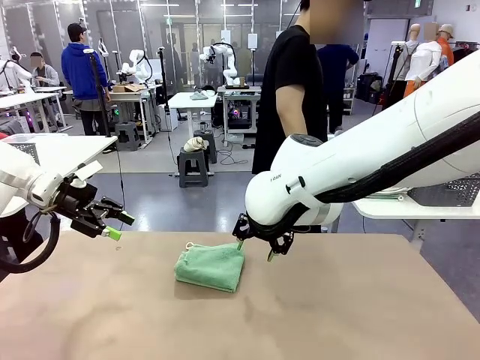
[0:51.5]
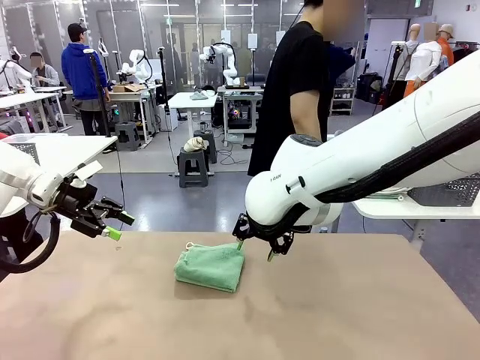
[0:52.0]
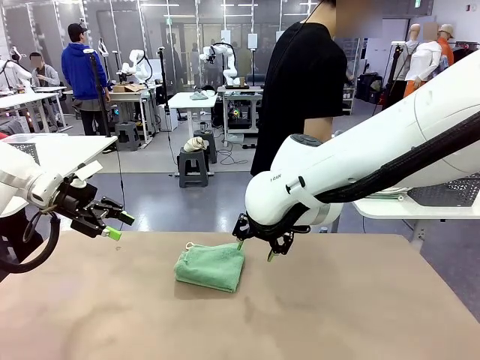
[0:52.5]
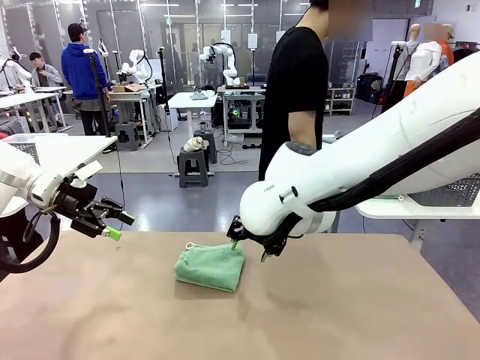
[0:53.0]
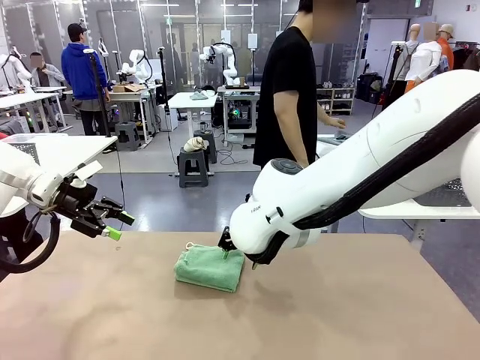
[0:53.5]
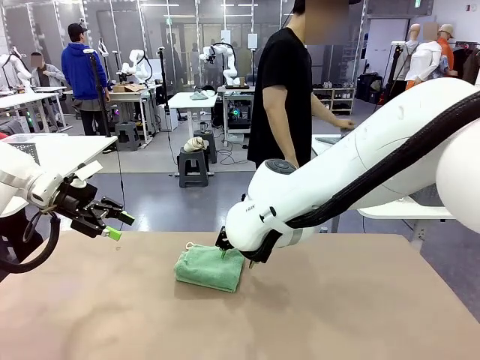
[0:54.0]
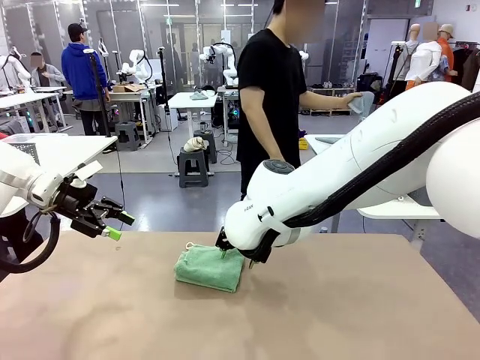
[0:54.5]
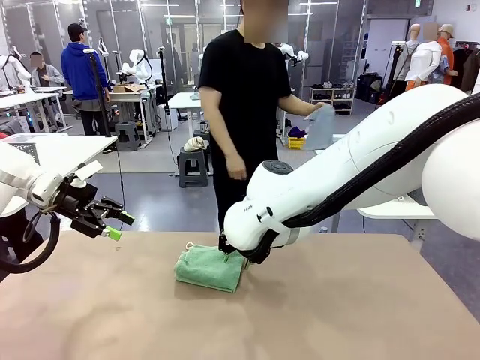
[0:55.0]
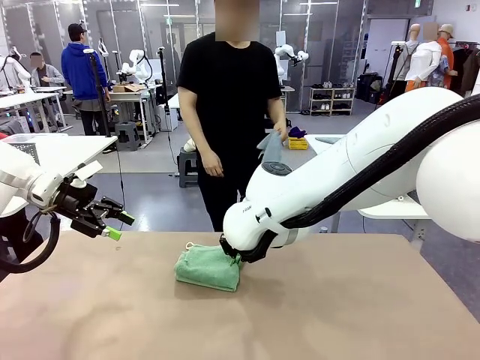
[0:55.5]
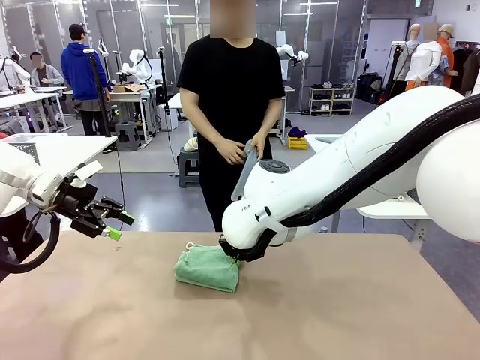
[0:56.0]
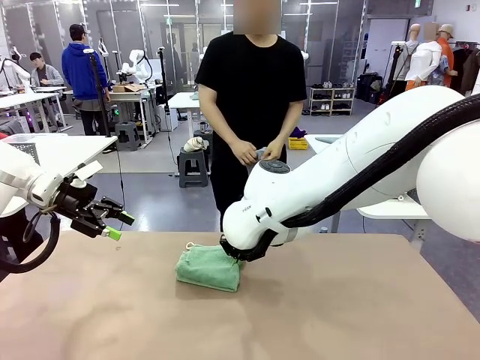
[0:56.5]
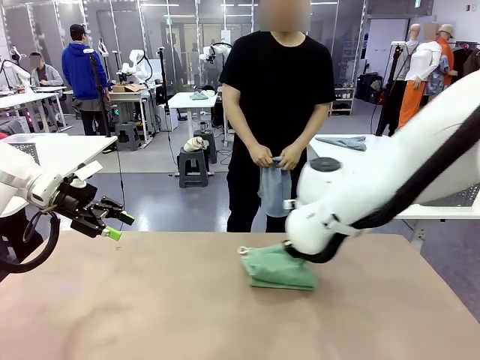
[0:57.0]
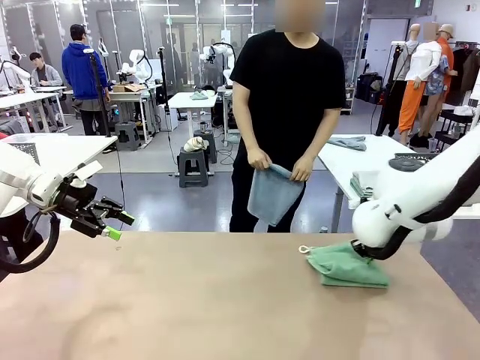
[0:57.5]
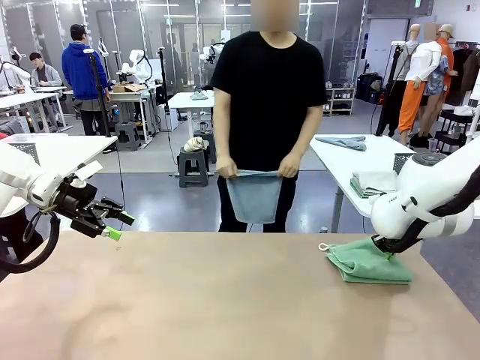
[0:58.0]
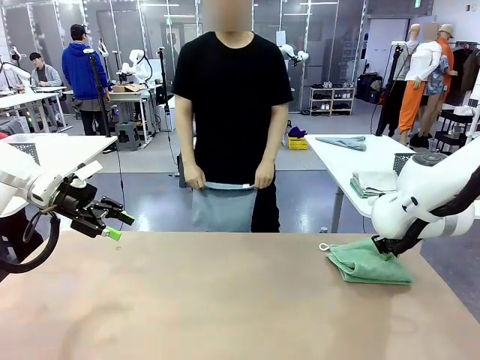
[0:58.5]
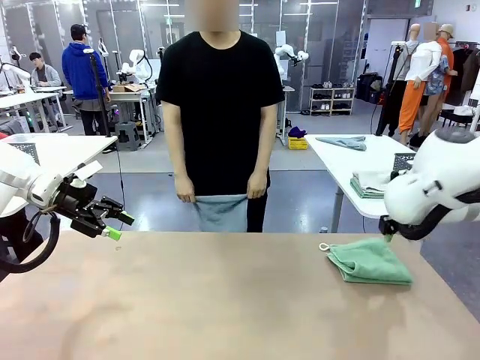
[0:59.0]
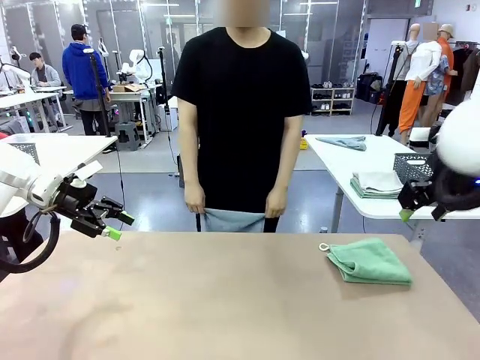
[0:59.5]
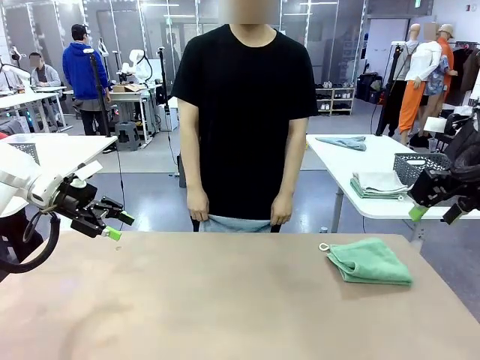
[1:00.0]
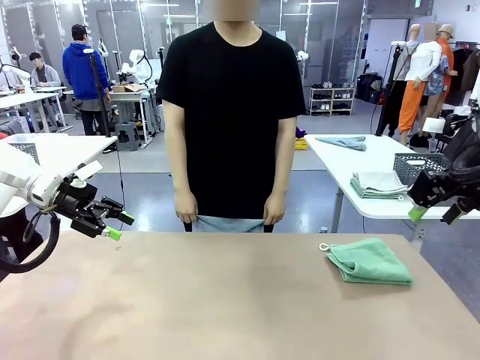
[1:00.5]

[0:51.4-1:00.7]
Task: Fold the towels and place them in the basket.
Robot: Place the folded Towel with hook on the right side of the table.
Person: Pick up one towel from the left side of the human table and spread it out at the center of the robot table.

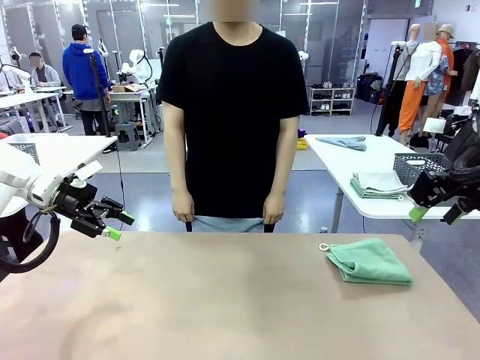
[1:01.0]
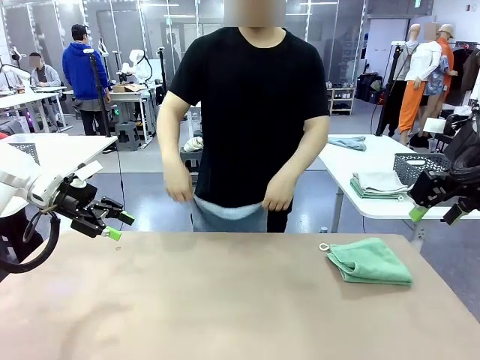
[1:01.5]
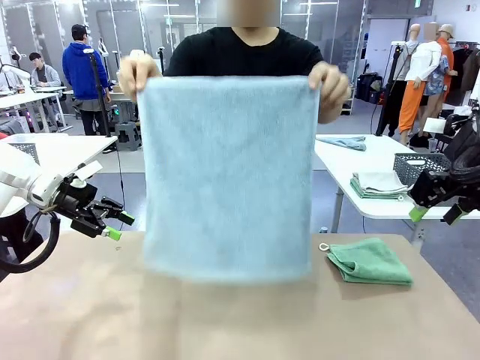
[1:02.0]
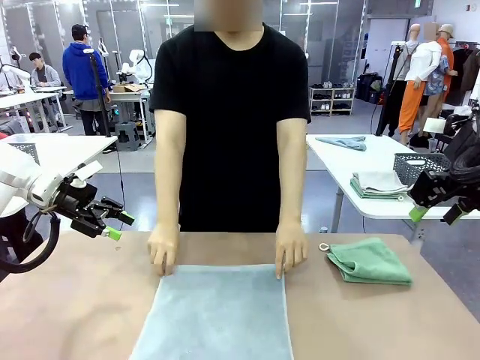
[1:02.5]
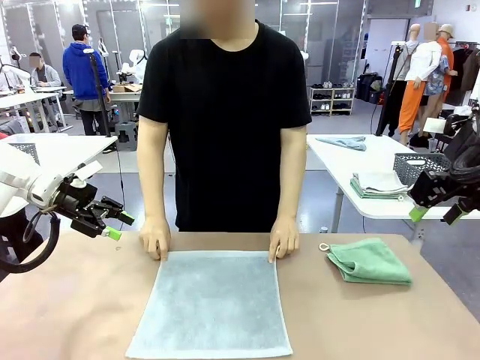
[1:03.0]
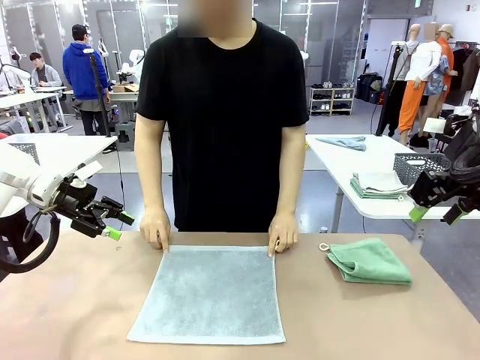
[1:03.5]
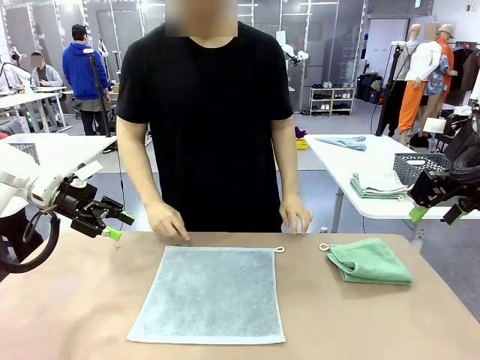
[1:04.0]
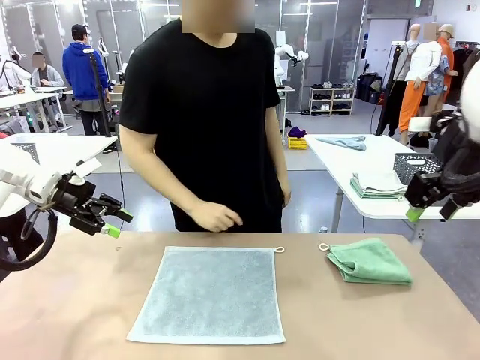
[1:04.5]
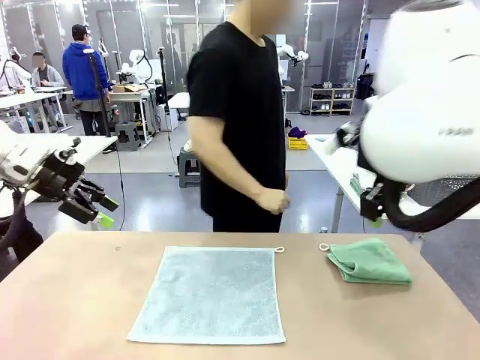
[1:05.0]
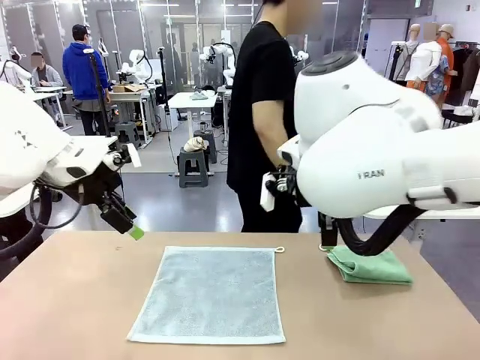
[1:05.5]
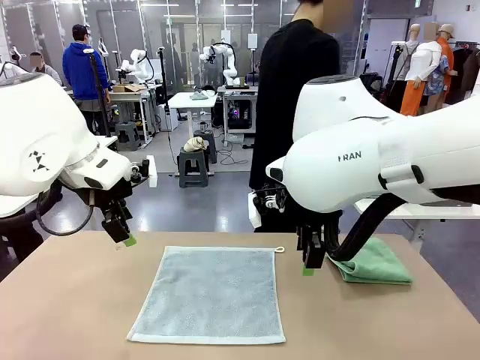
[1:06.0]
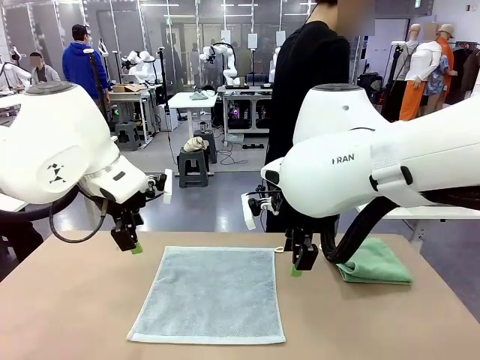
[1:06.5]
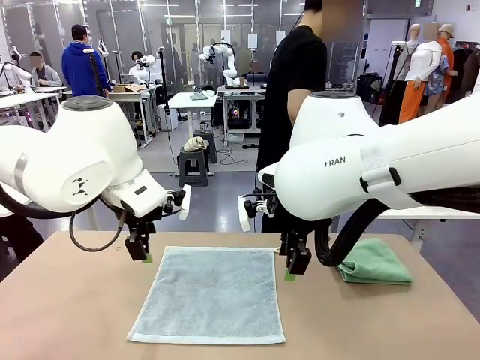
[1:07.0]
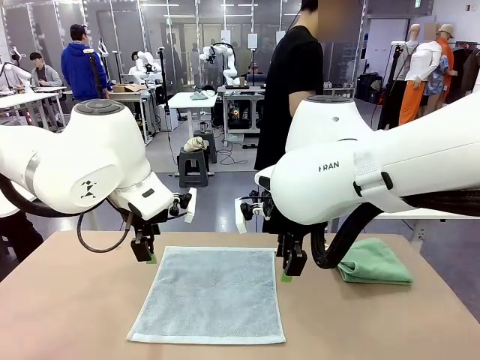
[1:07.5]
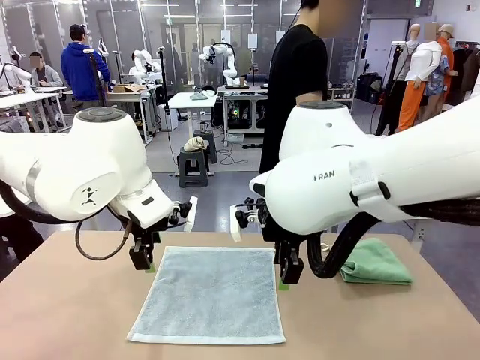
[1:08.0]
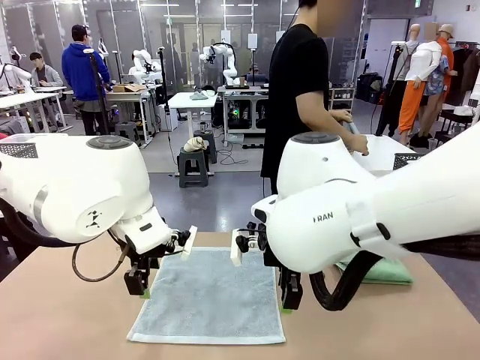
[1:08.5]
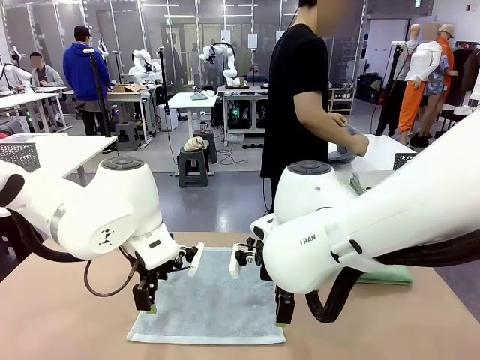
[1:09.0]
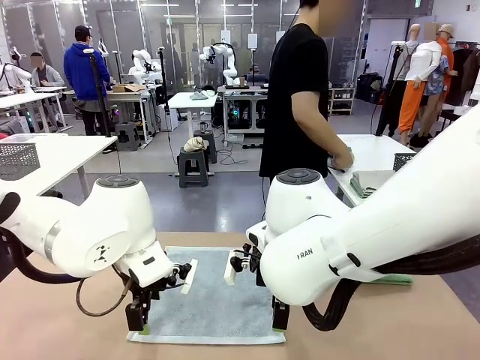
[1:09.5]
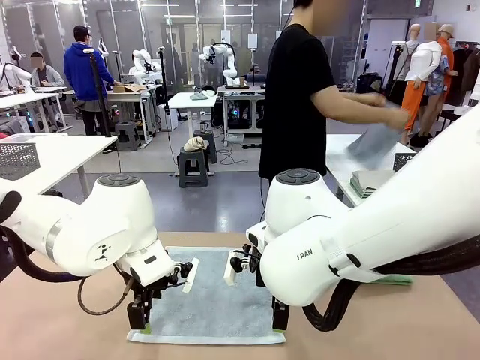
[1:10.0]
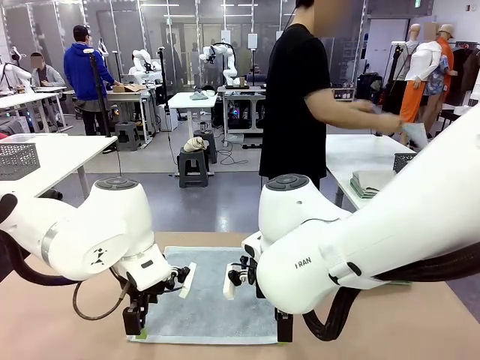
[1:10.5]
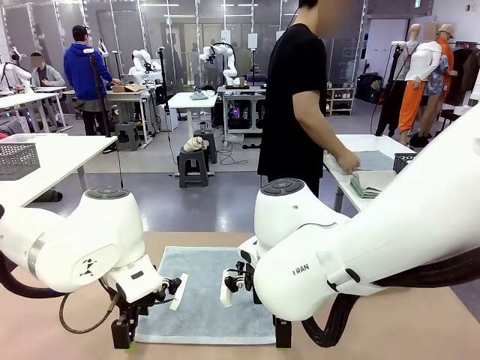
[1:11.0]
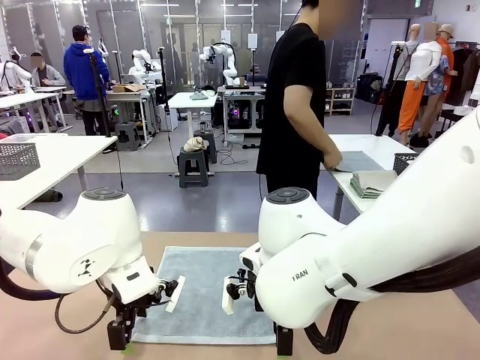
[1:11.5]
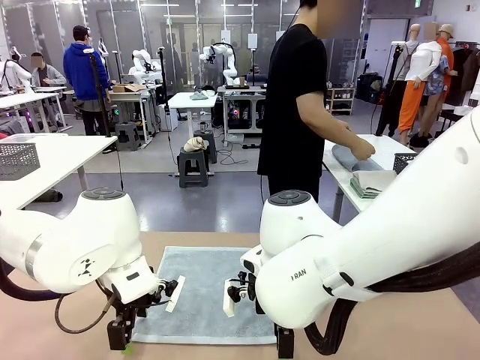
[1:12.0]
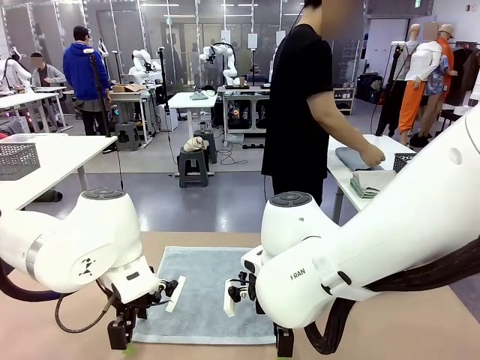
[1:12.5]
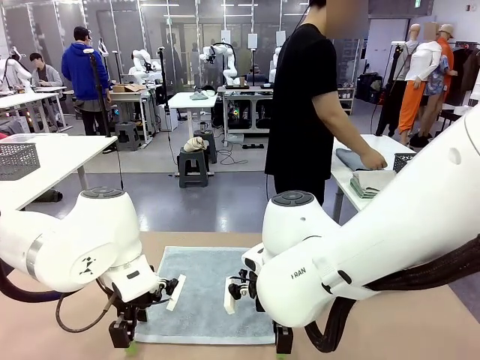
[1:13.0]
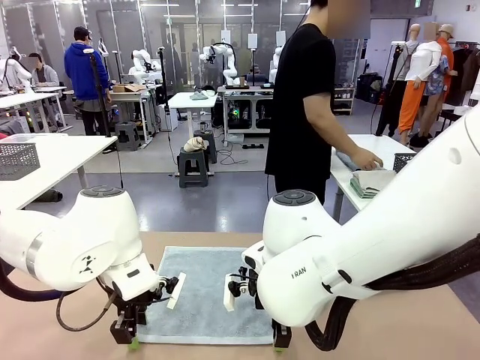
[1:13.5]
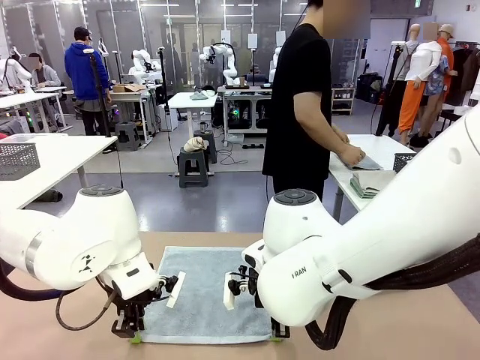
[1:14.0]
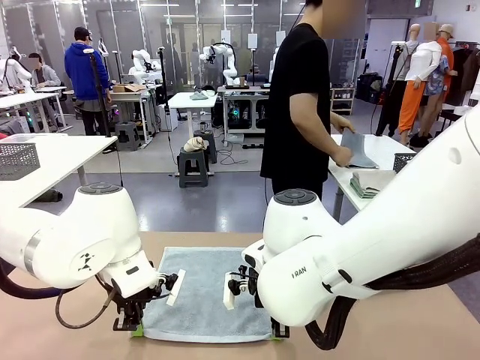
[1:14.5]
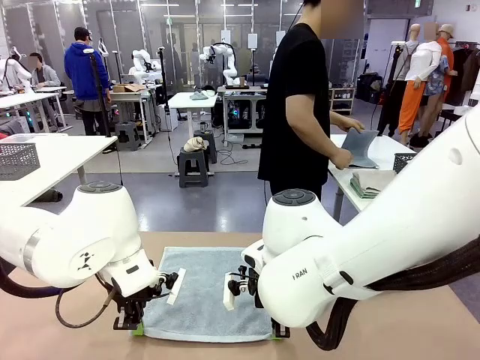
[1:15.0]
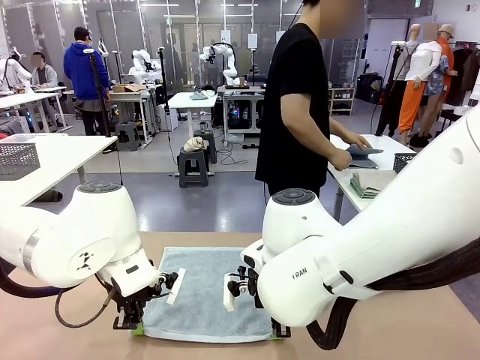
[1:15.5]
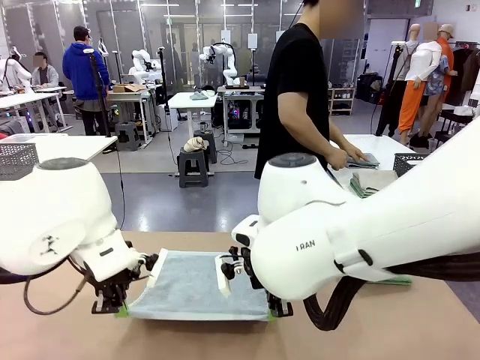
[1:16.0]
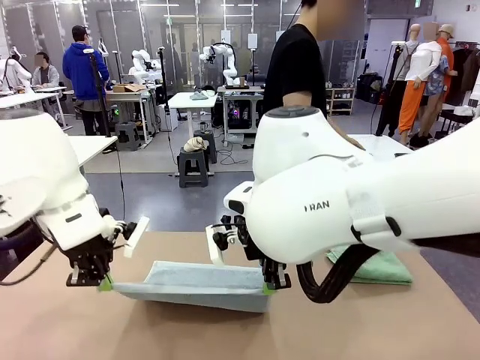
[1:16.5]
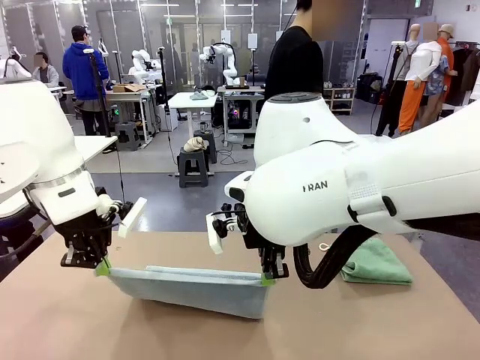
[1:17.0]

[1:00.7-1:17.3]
Robot: When a person lays out a Towel with hook on the table, fold it in half twice.
Person: Pick up one towel from the left side of the human table, fold it in half twice, and stack it on the right side of the table.

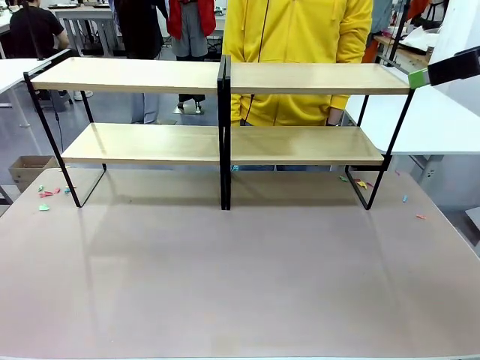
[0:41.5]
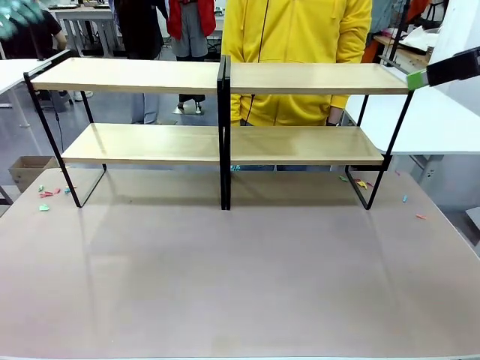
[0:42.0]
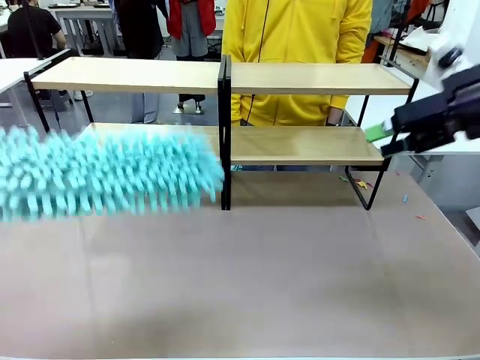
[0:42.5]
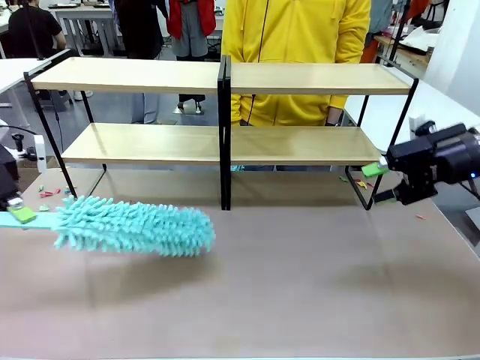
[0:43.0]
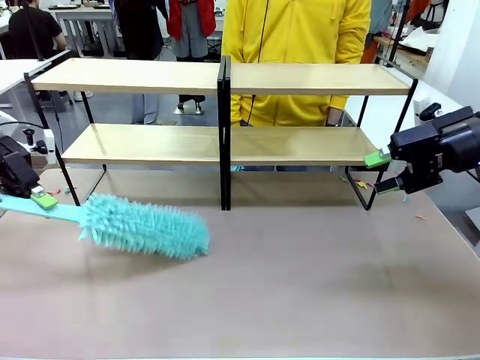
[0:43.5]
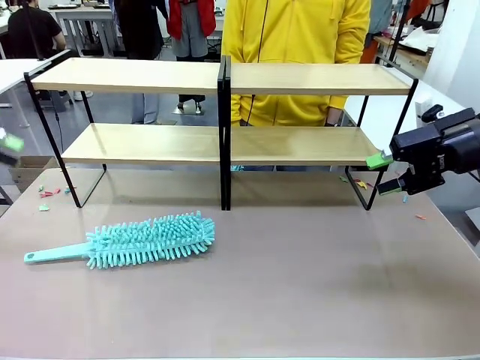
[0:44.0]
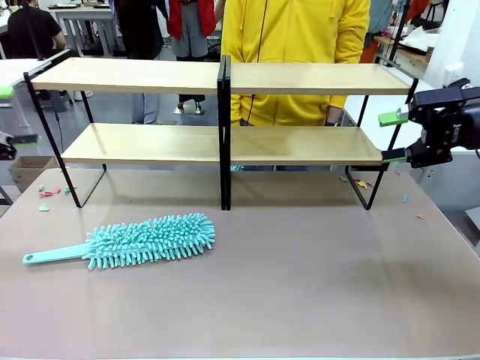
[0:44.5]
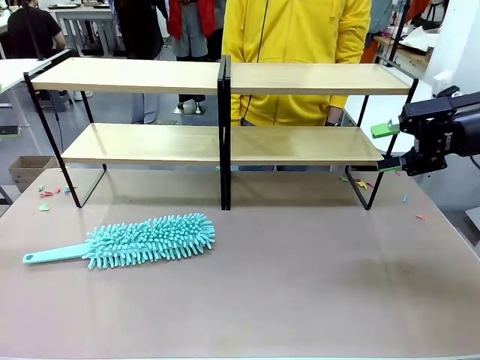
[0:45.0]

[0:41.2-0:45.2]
Task: Clean the shelves.
Robot: Place the Duster on the table.
